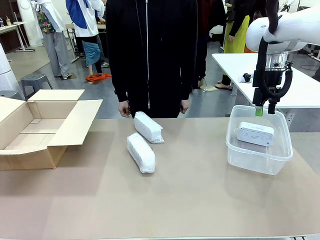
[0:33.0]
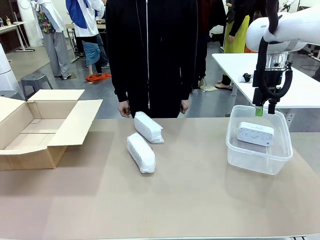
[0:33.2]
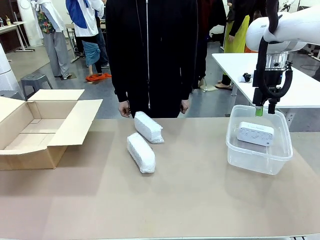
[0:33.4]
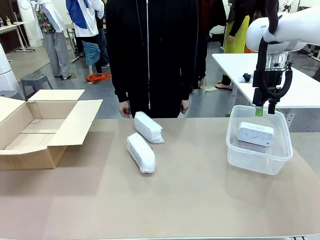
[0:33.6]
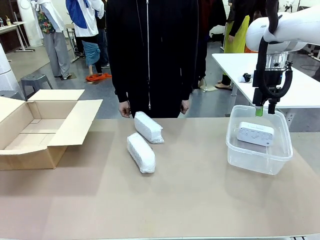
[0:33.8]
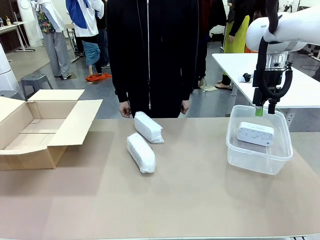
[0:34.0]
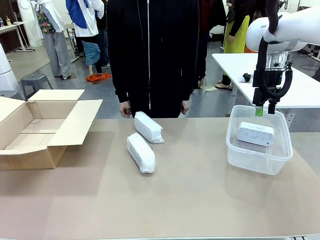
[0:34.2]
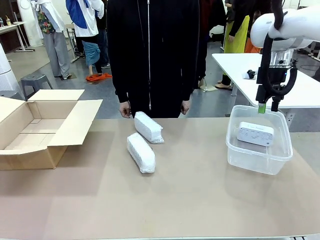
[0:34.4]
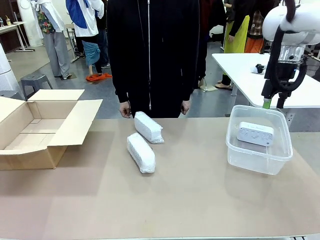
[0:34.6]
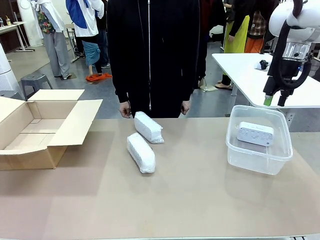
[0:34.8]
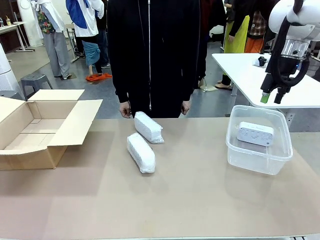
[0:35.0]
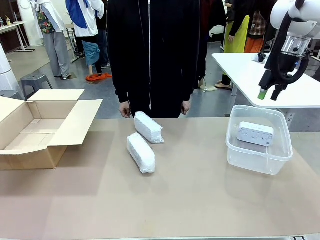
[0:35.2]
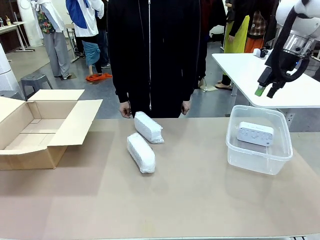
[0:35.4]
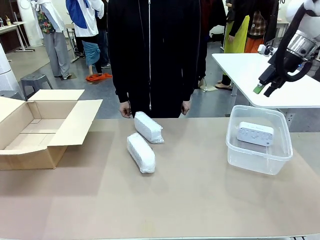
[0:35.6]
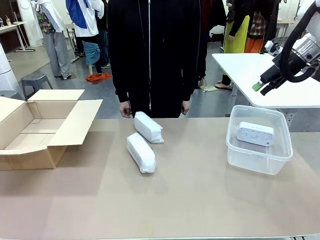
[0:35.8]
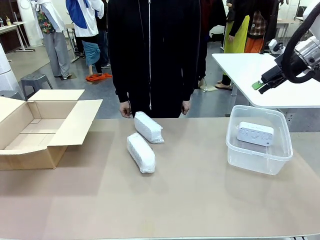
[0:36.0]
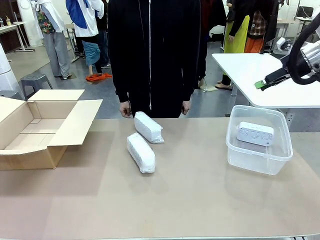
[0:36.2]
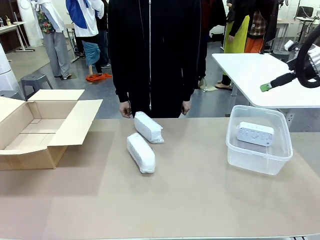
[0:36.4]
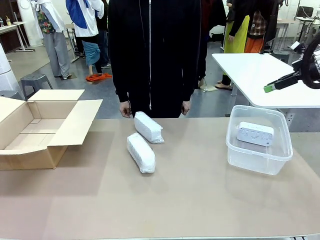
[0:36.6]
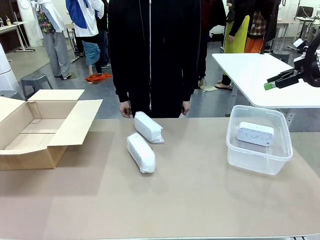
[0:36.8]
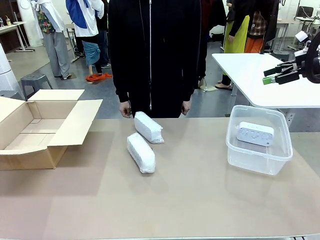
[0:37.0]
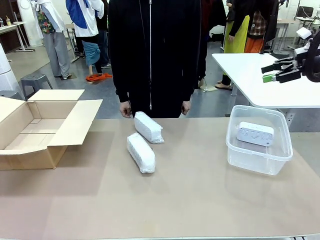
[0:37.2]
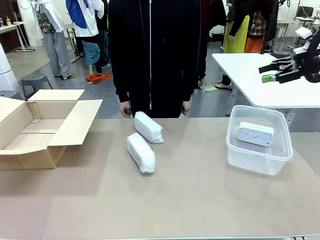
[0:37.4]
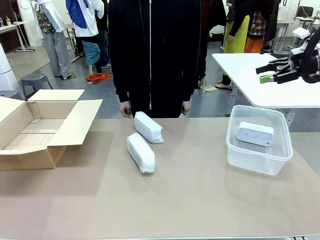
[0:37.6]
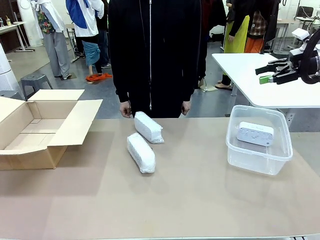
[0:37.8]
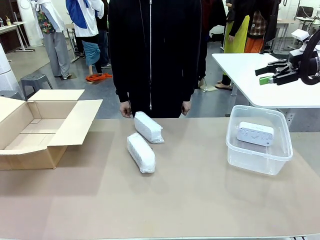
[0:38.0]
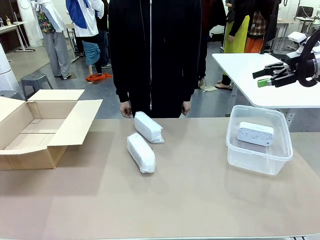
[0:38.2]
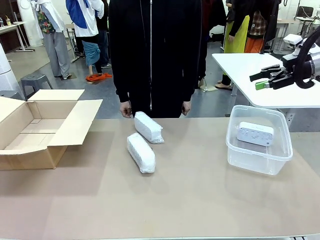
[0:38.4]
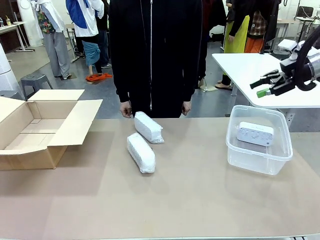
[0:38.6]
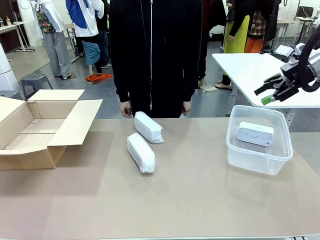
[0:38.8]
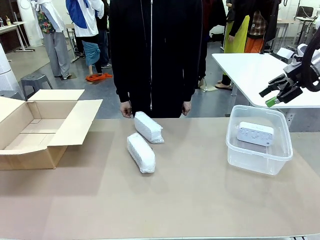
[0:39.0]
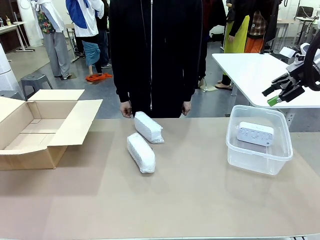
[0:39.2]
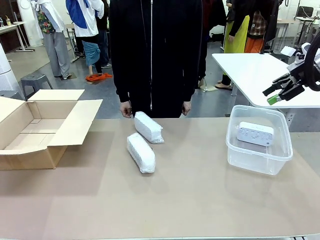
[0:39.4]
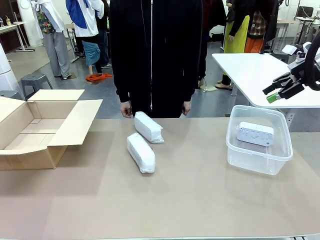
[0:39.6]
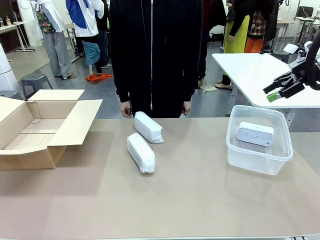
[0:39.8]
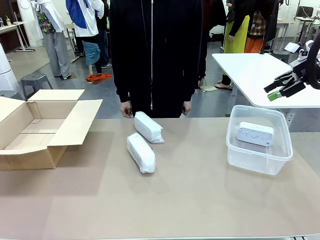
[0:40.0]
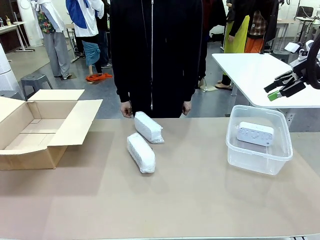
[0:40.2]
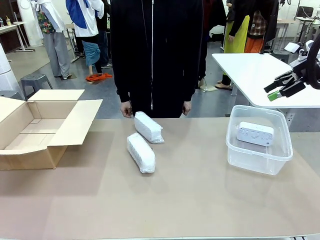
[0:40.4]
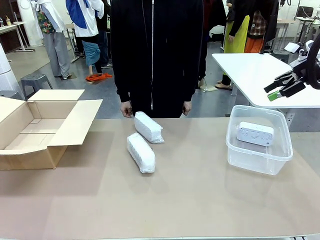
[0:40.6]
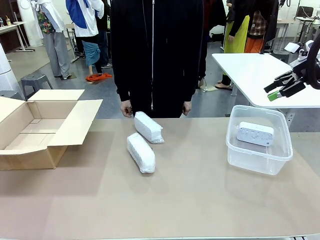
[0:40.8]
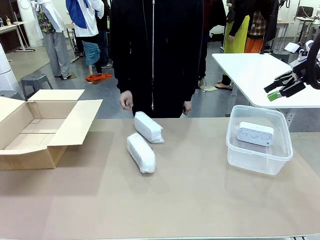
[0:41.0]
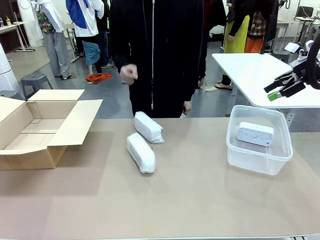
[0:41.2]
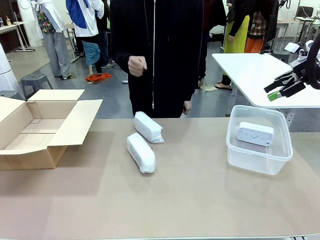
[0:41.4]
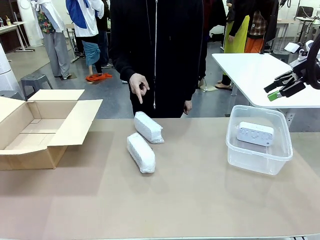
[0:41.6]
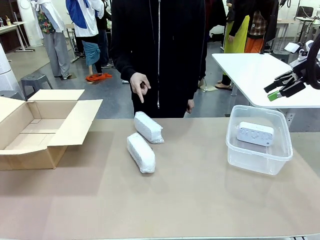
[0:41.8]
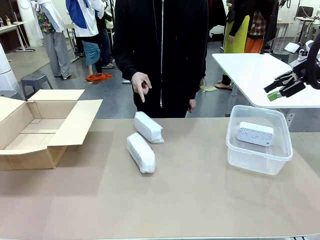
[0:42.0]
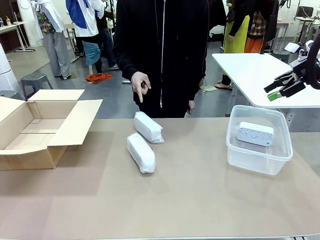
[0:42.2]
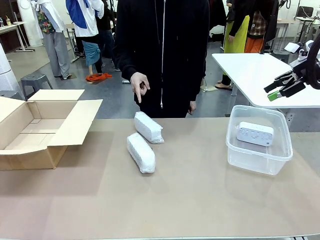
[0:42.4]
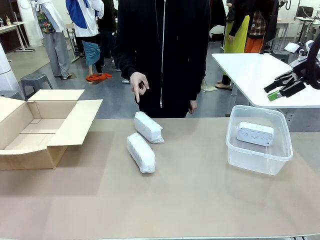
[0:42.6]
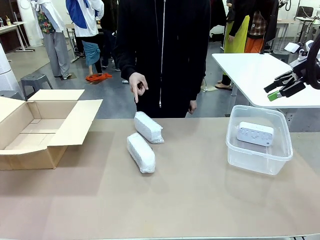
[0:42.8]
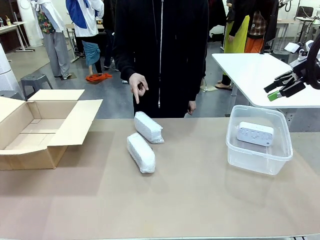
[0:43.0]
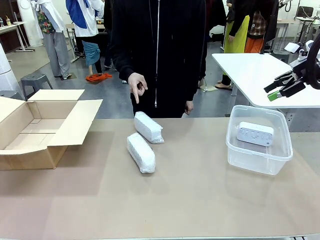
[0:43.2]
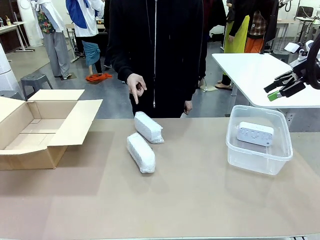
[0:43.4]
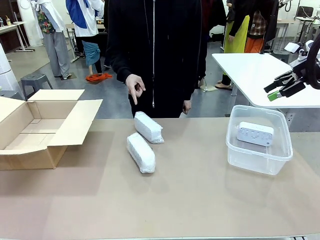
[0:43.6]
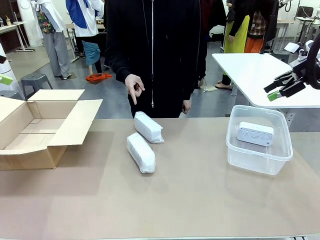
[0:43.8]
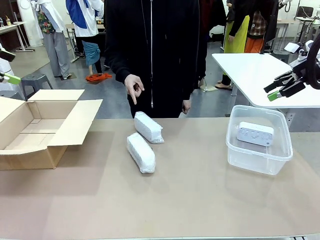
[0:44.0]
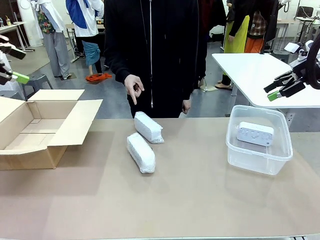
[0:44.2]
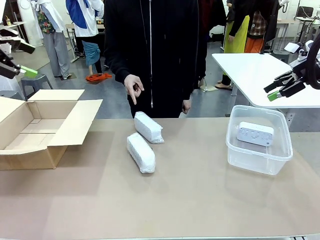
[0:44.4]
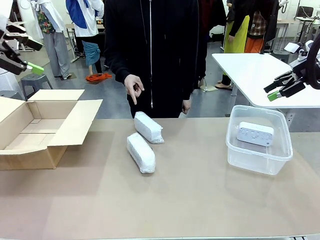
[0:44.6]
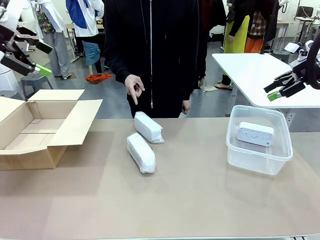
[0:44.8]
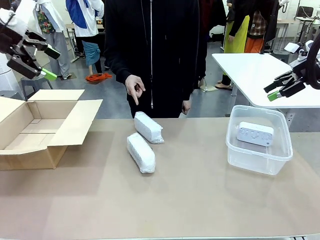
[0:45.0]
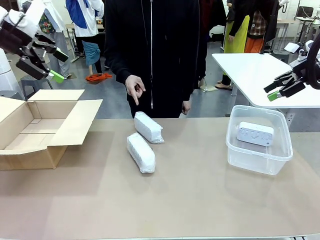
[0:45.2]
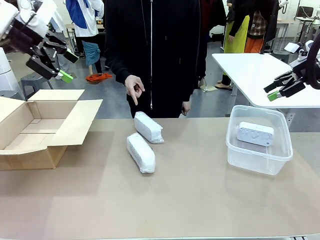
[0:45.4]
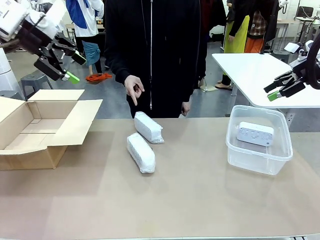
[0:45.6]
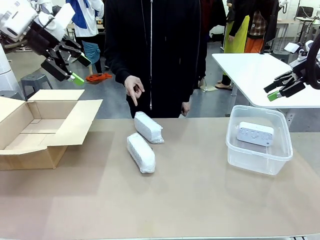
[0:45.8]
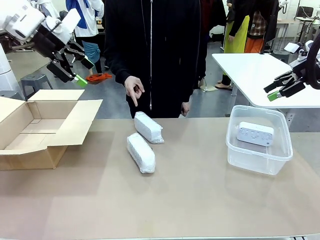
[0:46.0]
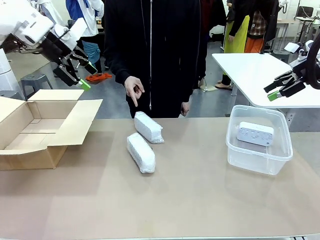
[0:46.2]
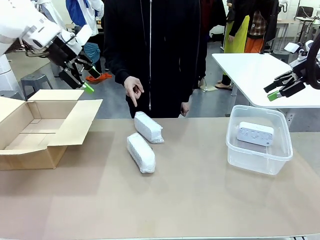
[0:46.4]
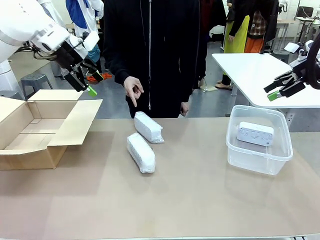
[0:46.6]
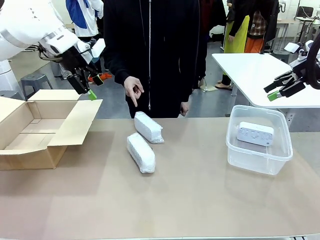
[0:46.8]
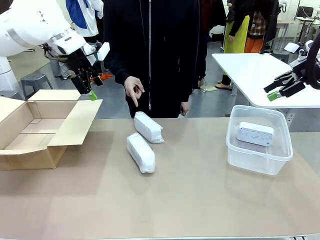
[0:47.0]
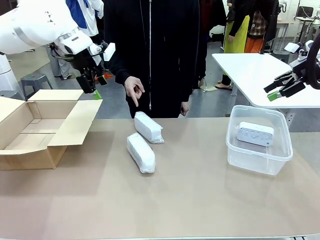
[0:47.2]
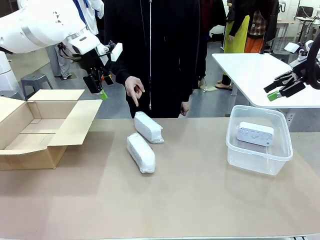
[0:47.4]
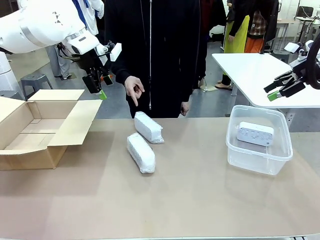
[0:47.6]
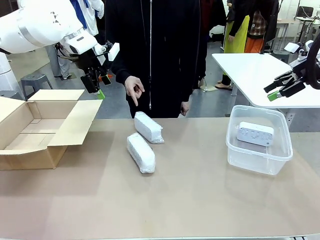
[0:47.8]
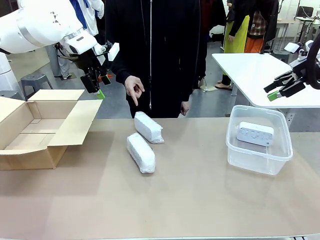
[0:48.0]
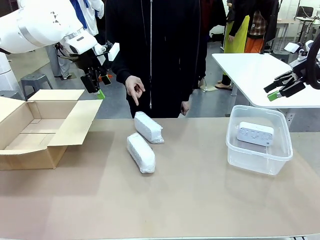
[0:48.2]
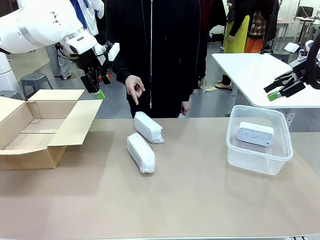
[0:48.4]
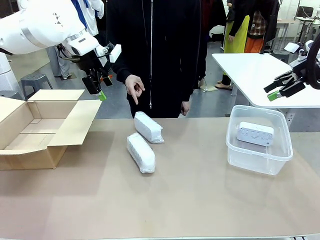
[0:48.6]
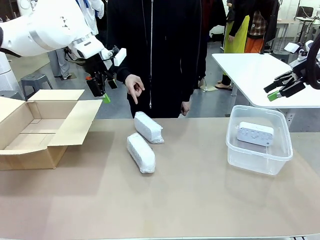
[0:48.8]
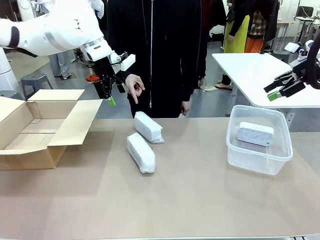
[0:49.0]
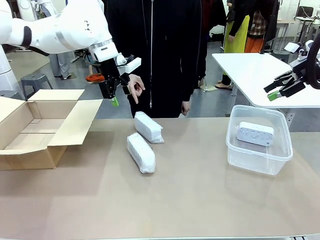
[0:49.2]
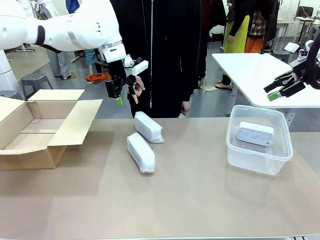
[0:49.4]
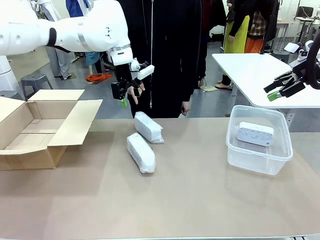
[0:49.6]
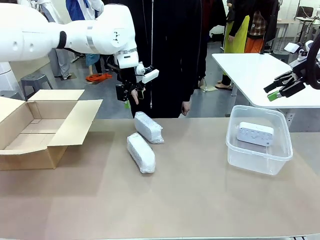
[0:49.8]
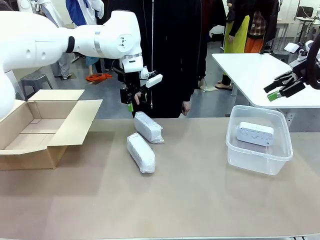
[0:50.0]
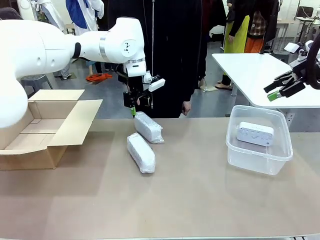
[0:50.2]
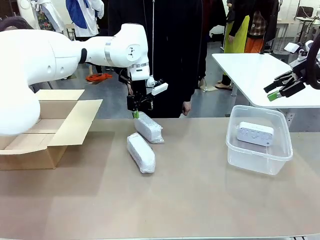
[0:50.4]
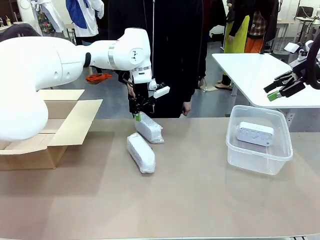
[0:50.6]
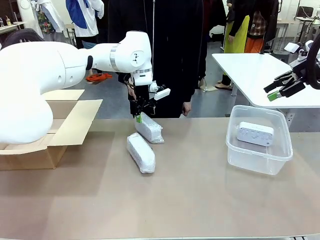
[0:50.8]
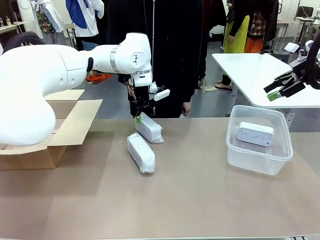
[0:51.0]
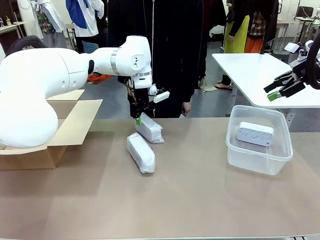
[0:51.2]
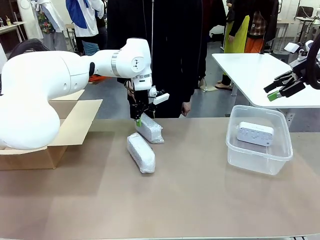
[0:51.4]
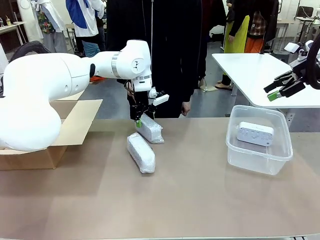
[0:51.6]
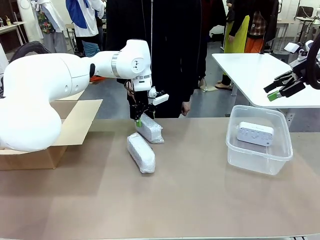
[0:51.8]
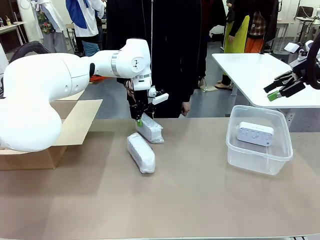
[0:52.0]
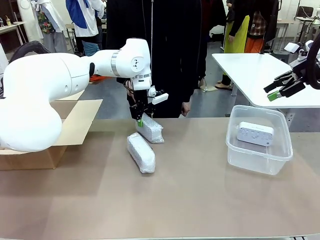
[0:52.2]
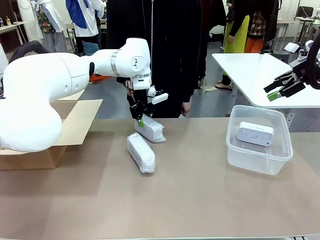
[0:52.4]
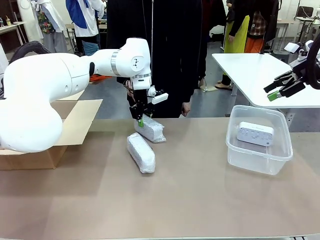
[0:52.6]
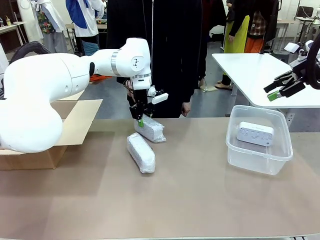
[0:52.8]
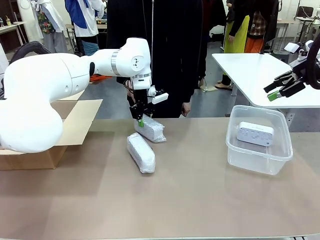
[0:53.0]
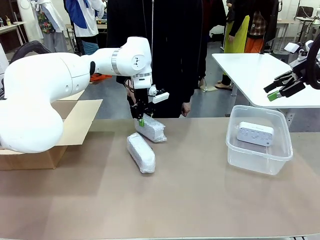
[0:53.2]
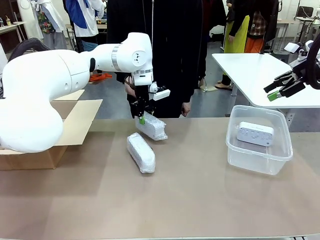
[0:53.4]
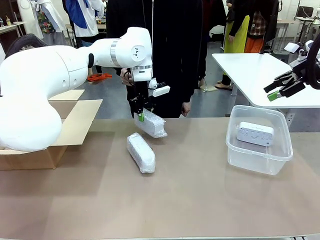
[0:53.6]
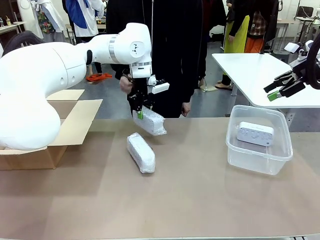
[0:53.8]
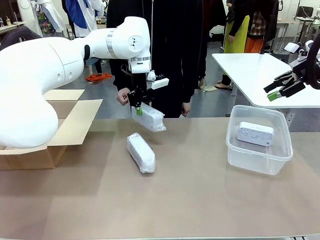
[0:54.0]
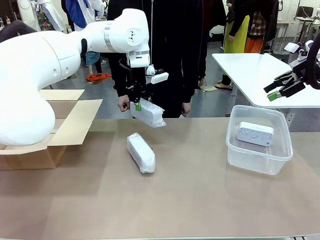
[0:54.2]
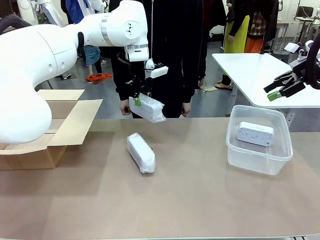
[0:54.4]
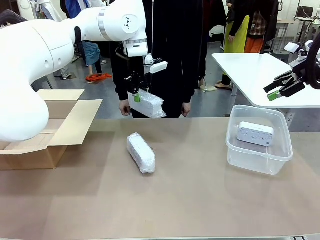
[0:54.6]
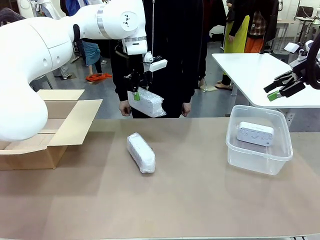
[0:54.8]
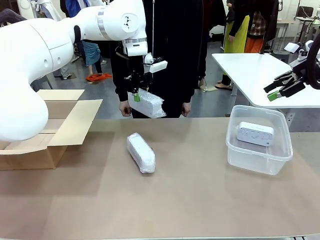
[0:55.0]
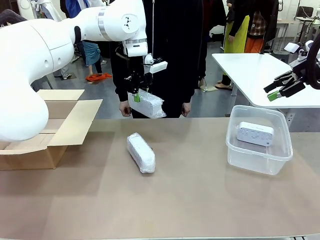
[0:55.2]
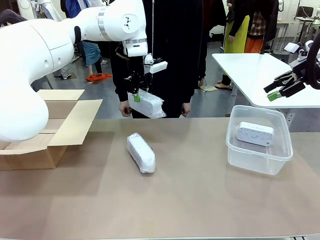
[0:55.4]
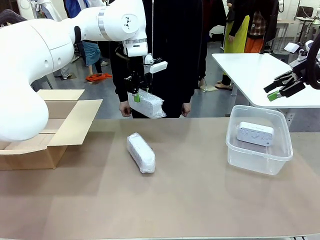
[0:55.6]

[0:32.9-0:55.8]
Task: Separate and place wrapped and unwrapped clocks.
Robot: Pick up the Digital clock indicated by the person.
